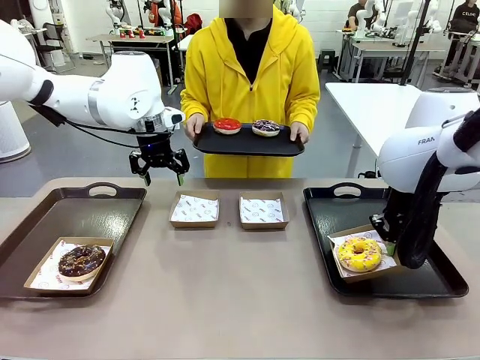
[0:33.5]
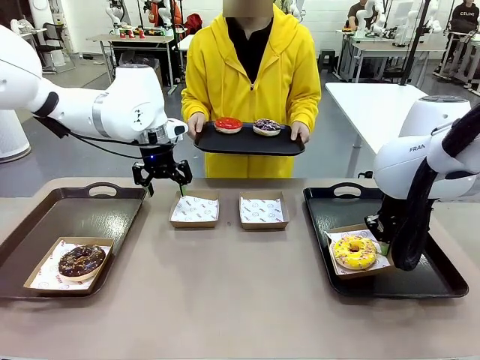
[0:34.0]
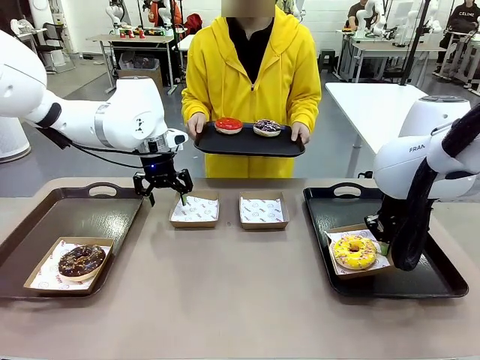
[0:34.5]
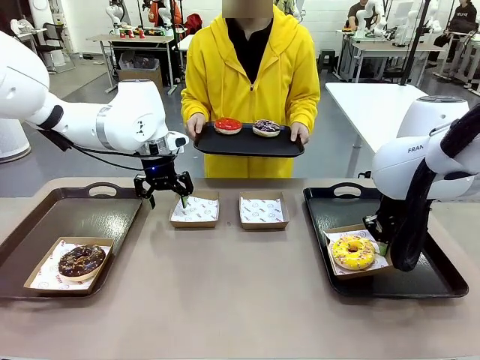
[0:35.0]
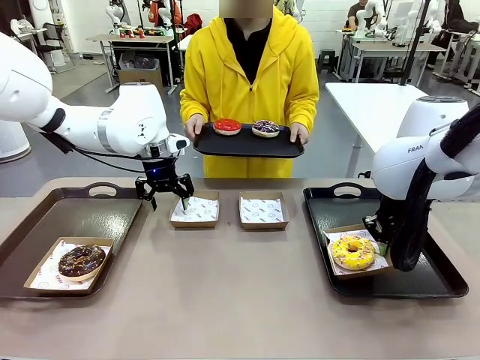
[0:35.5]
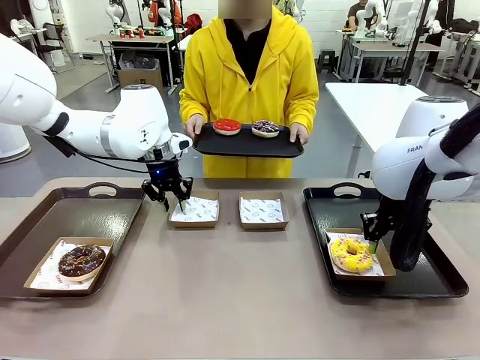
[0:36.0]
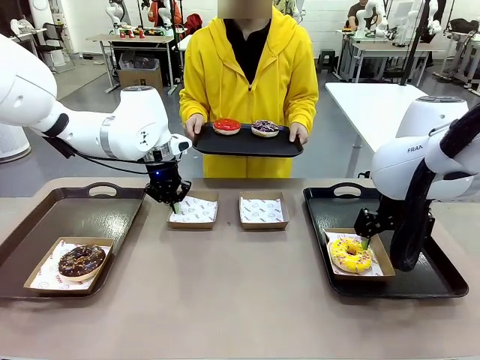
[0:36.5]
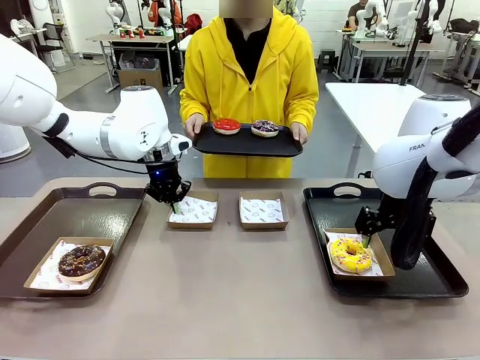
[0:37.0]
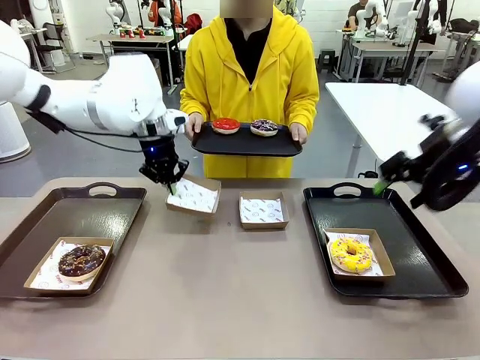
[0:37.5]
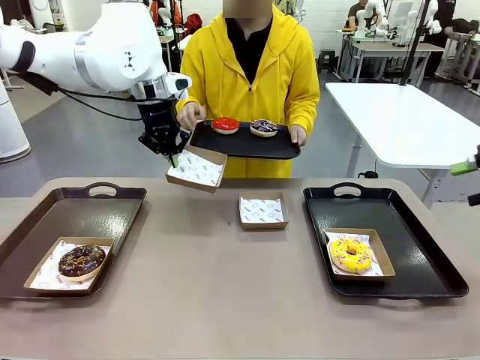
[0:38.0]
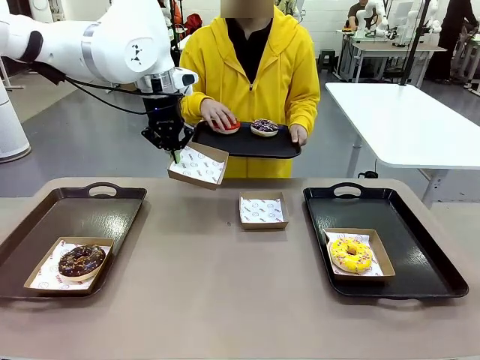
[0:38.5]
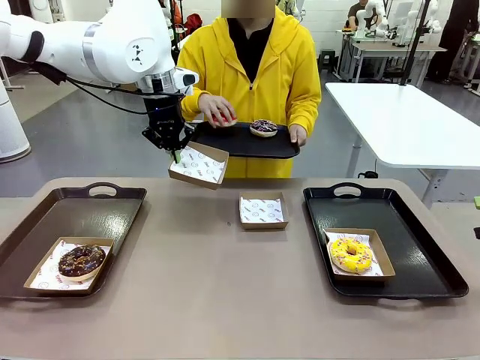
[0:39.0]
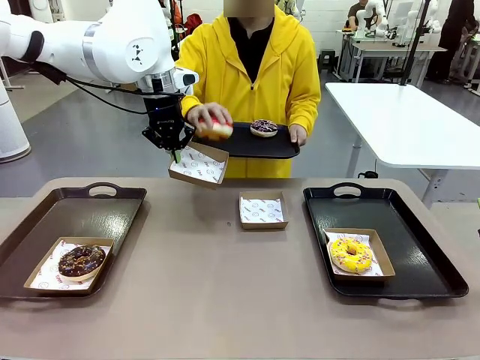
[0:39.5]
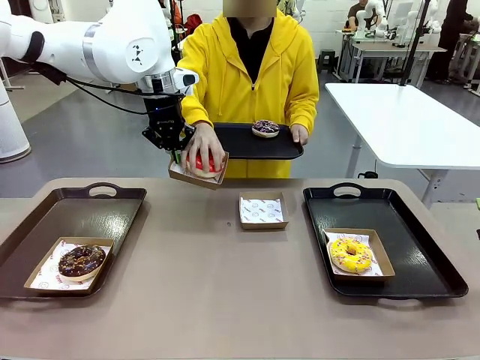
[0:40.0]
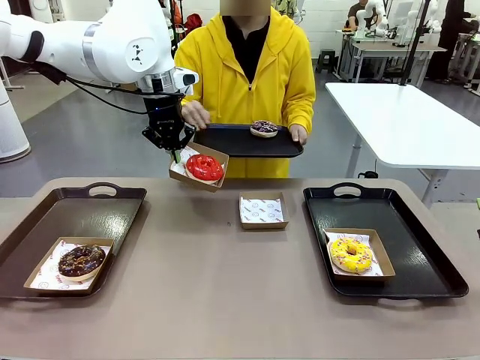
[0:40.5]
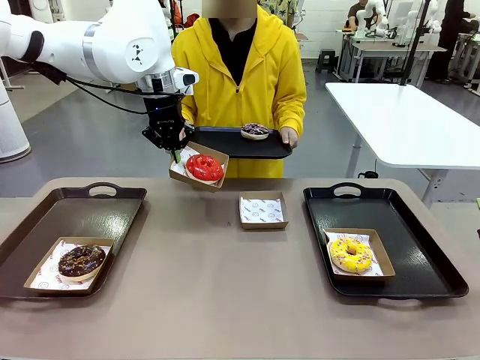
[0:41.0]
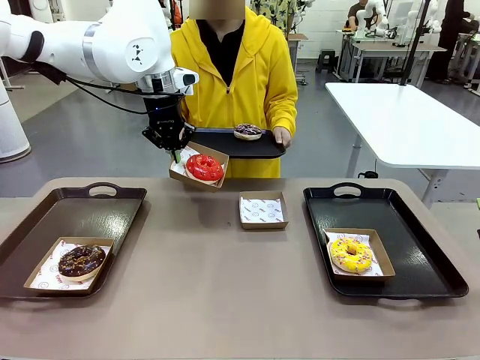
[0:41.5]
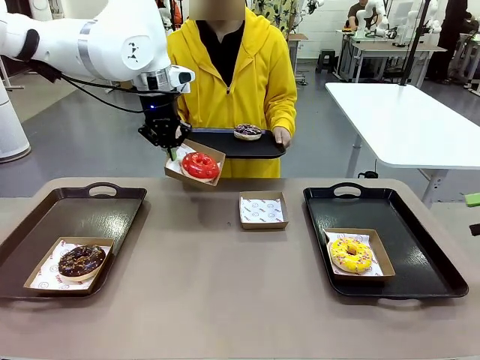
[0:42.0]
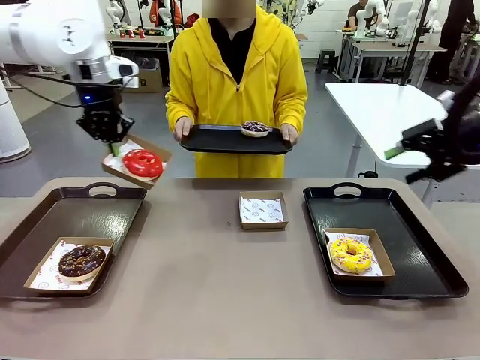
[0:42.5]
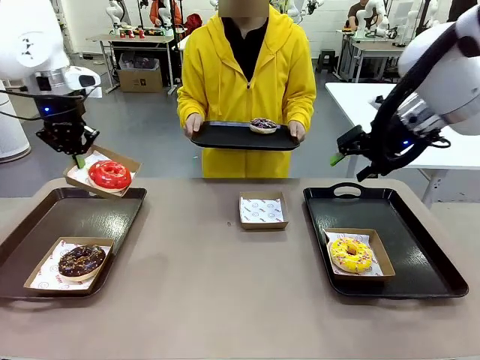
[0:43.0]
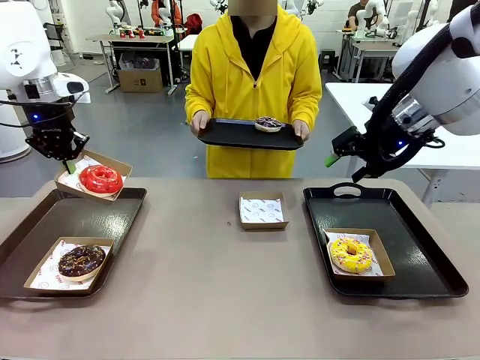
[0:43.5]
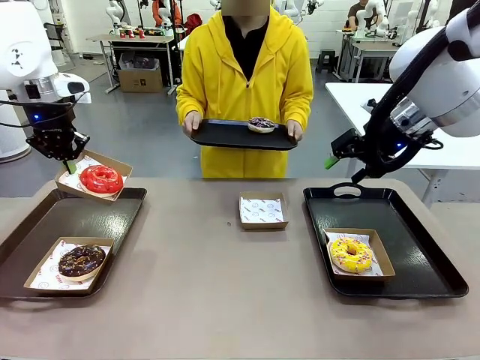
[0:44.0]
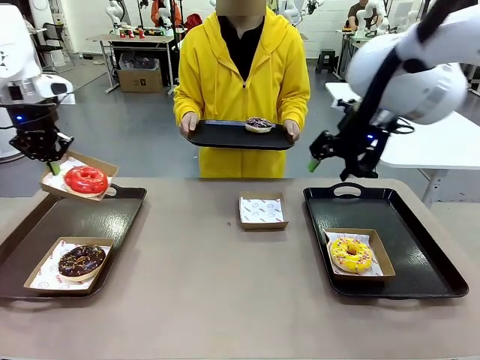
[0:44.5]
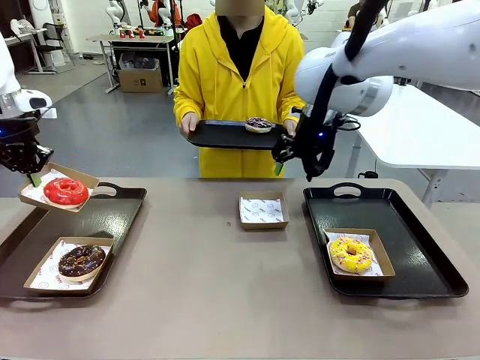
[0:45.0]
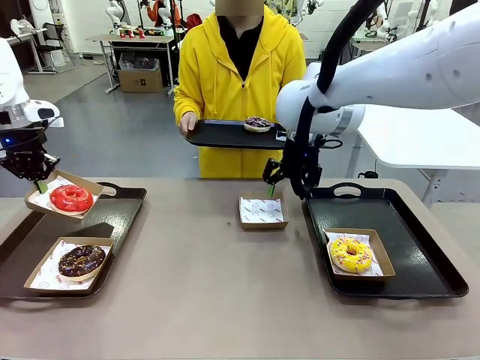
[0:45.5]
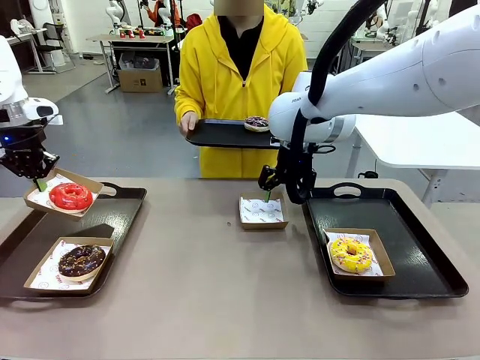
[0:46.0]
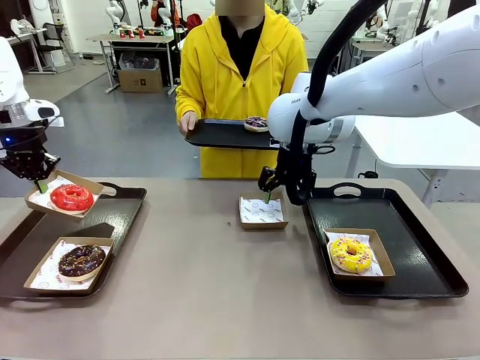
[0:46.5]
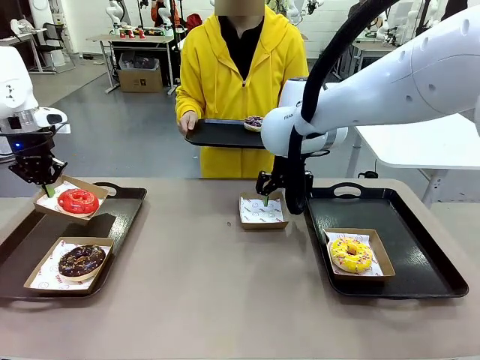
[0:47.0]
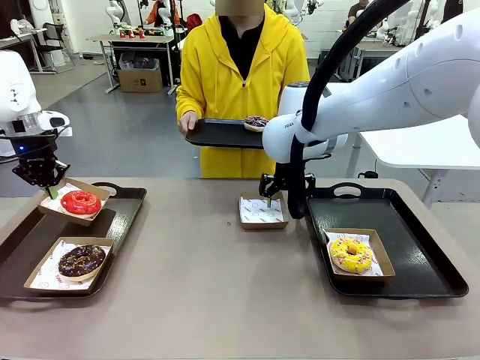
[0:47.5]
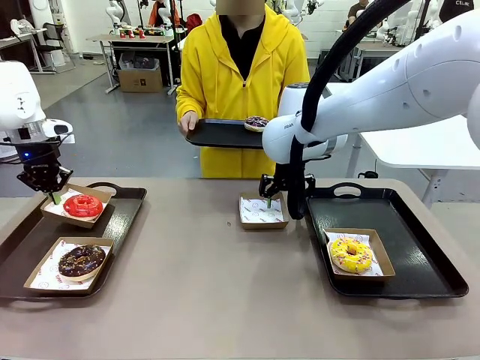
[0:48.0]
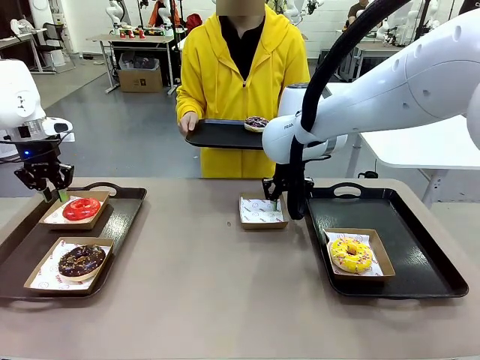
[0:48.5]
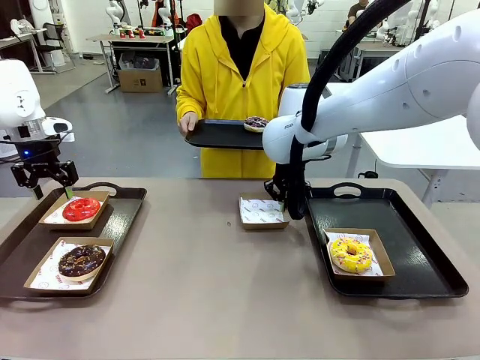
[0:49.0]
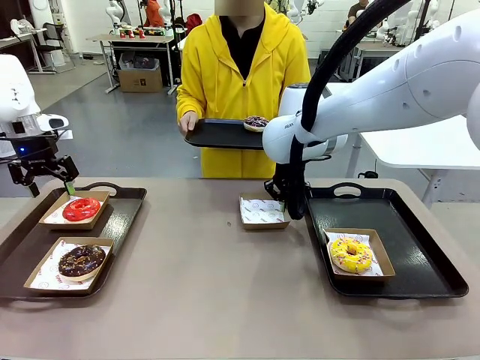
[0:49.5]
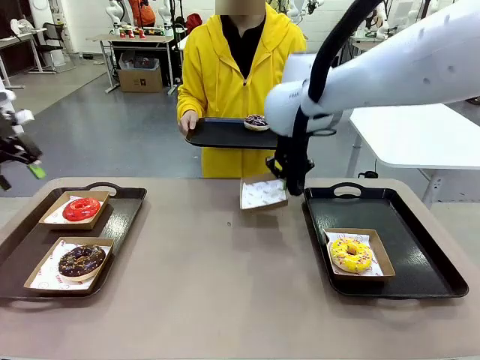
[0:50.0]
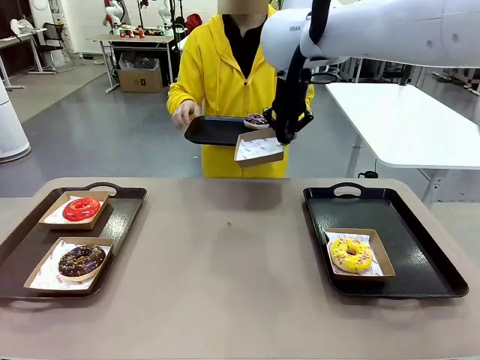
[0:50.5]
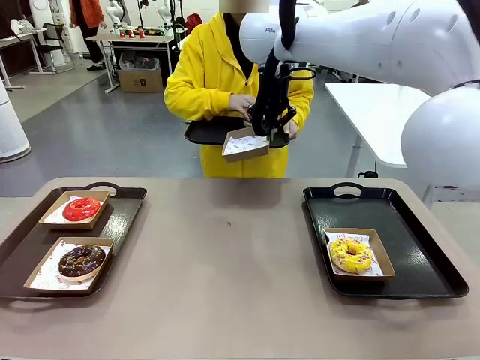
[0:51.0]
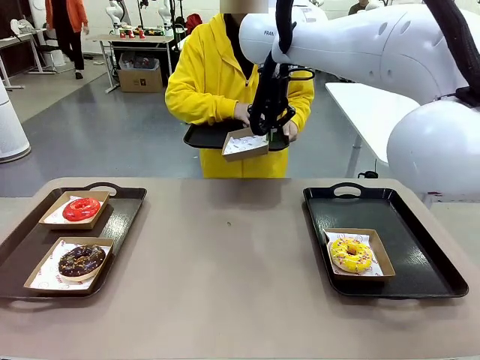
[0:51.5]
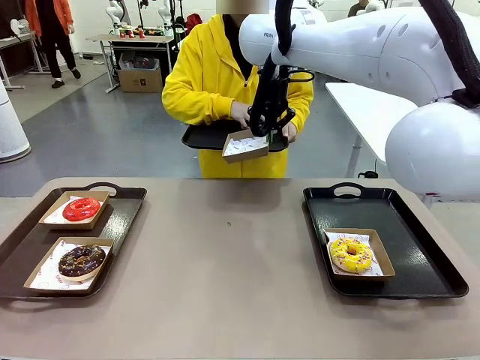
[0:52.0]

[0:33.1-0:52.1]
Task: Individually package the donuts and arrange them on the tray.
Robot: Place the picked Paper togo box on the Handle tray while simultaneously picking up another Paper togo box from the table with the other hand.

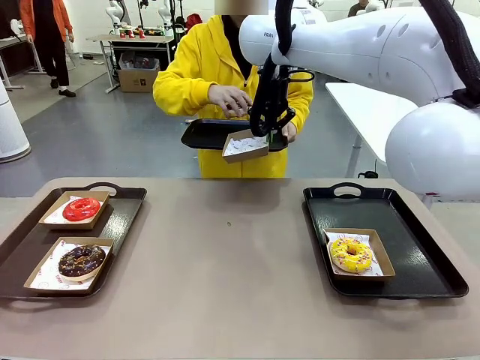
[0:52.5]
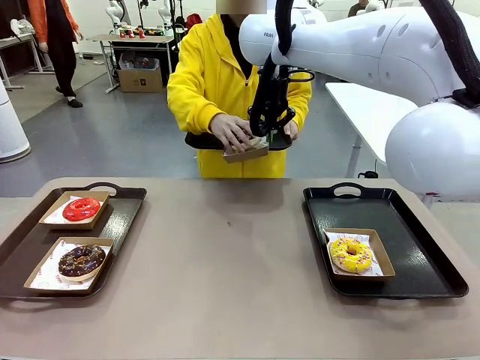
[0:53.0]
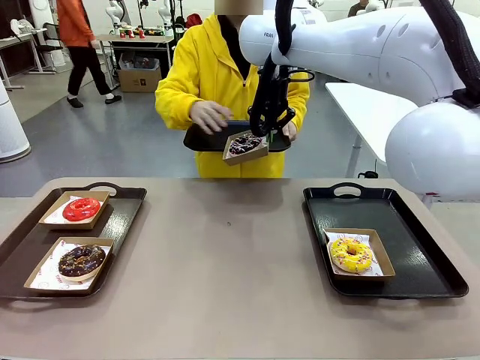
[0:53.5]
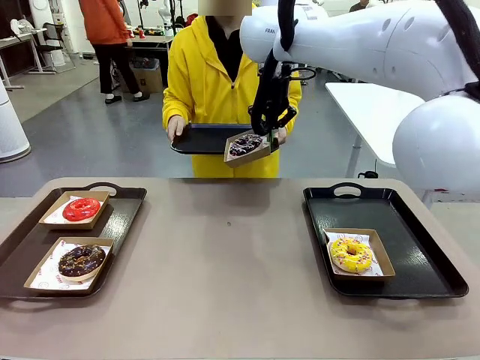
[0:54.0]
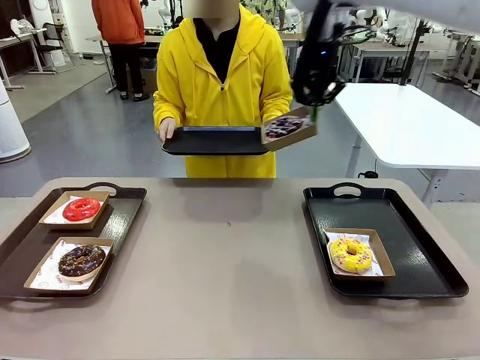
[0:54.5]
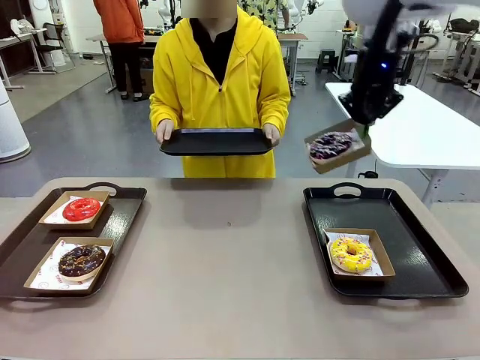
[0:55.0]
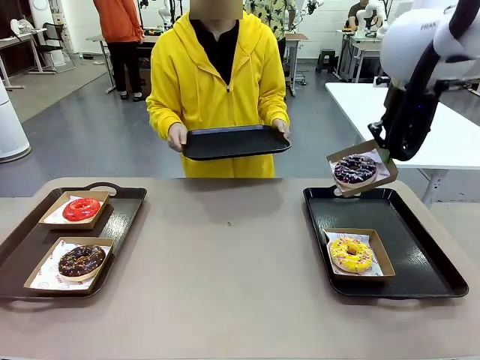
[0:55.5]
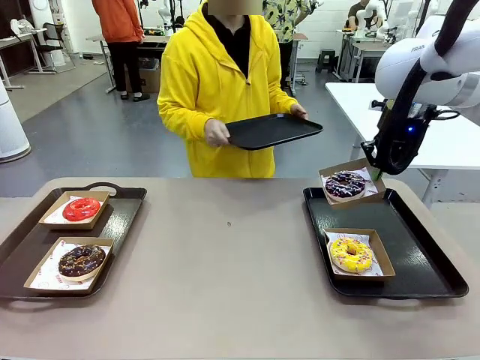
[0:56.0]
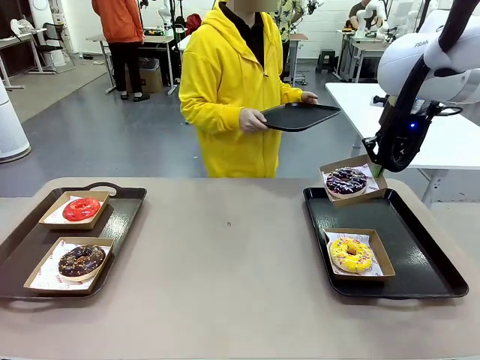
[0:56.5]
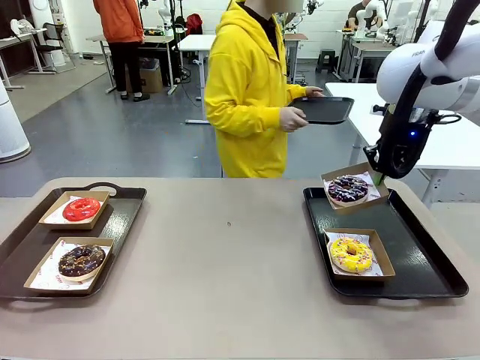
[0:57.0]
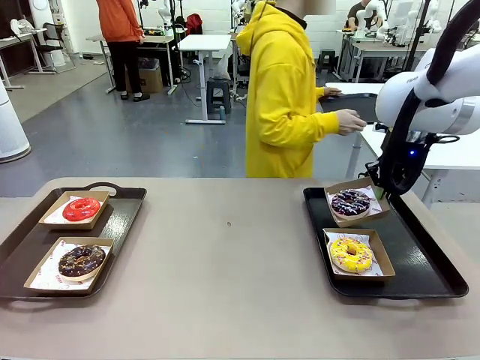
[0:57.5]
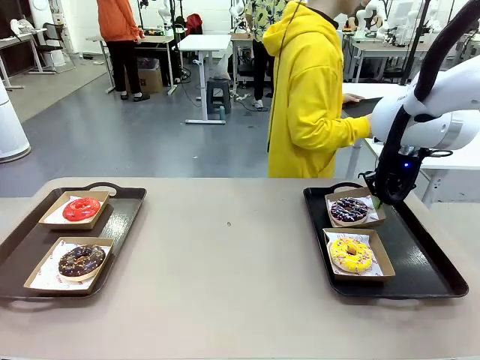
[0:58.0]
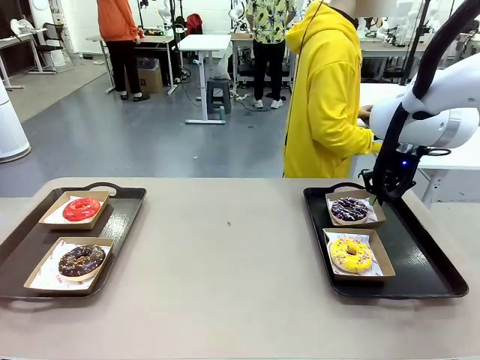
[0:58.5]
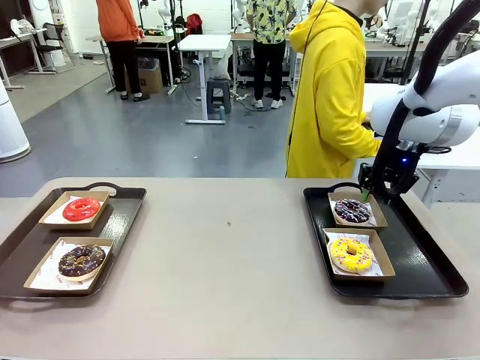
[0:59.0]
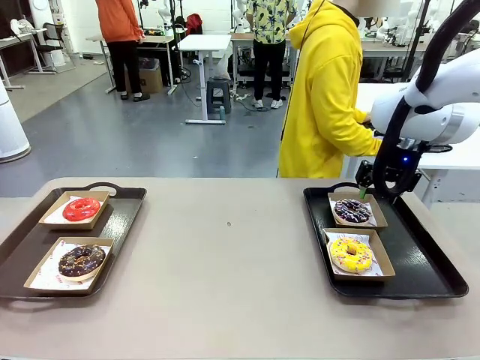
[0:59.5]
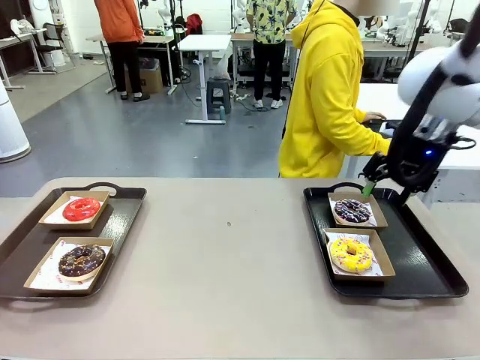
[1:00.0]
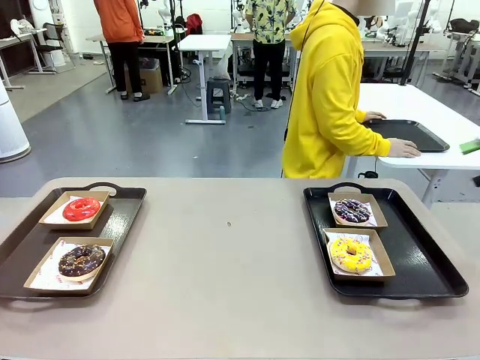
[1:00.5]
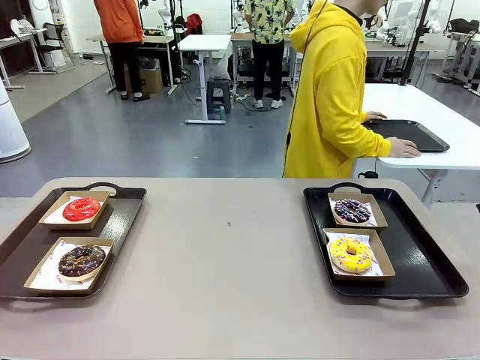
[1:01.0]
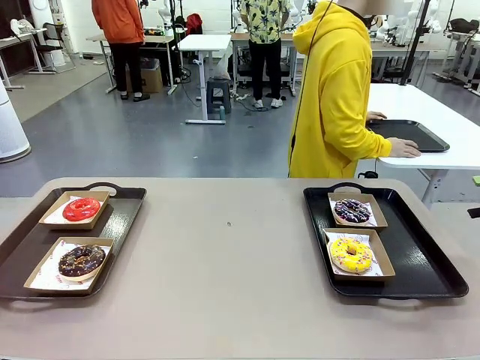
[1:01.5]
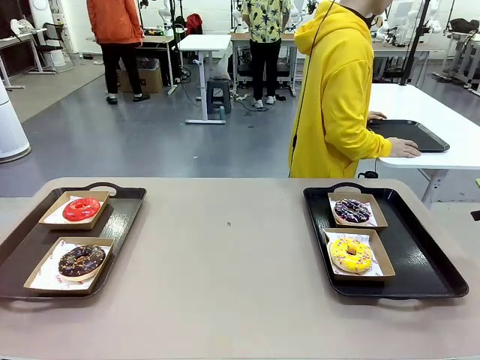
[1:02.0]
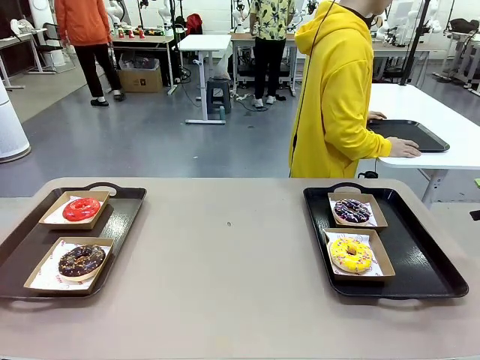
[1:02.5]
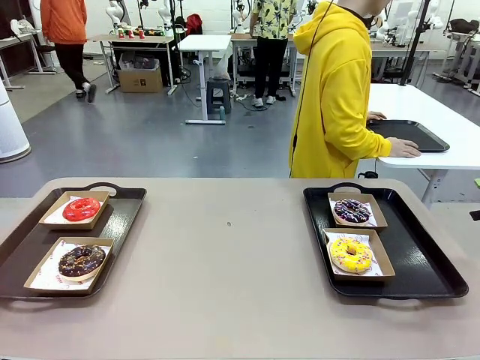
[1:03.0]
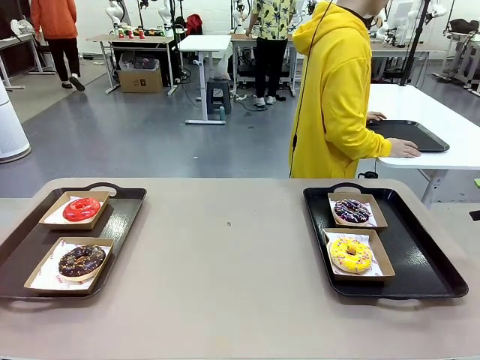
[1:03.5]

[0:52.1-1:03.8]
Robot: Place the picked Paper togo box on the Handle tray.
Person: Place the tray down in the middle of the human table.
